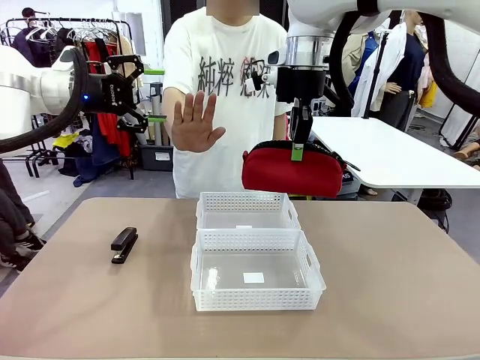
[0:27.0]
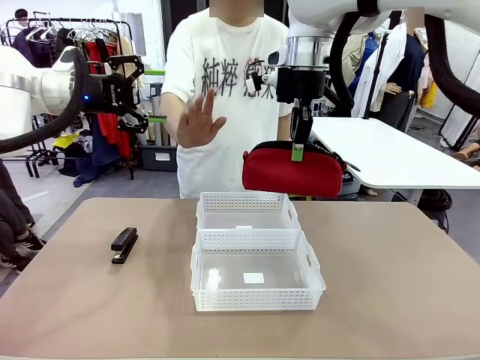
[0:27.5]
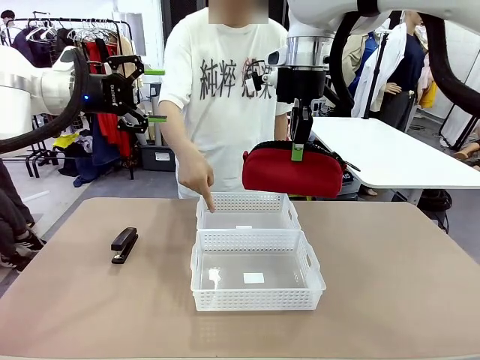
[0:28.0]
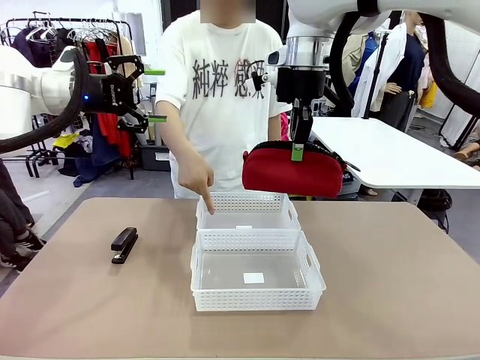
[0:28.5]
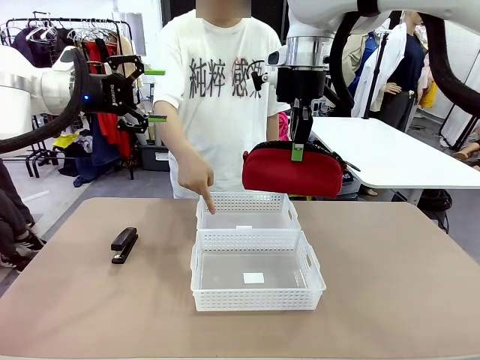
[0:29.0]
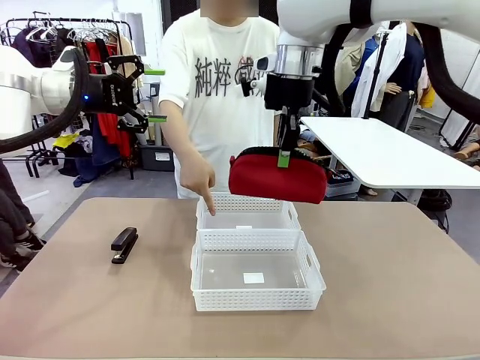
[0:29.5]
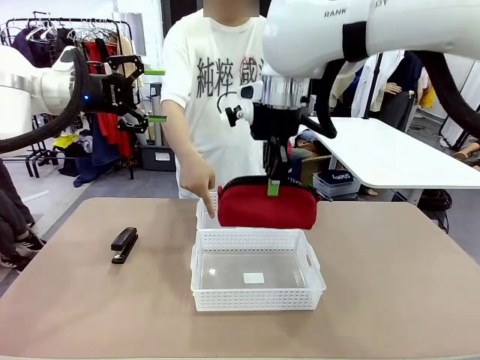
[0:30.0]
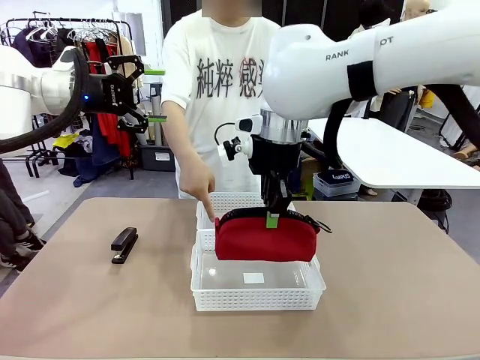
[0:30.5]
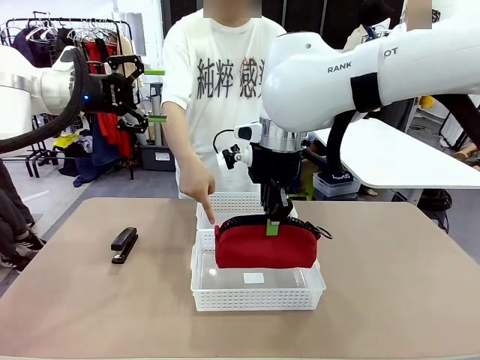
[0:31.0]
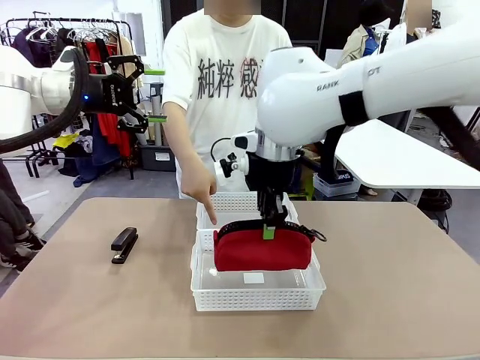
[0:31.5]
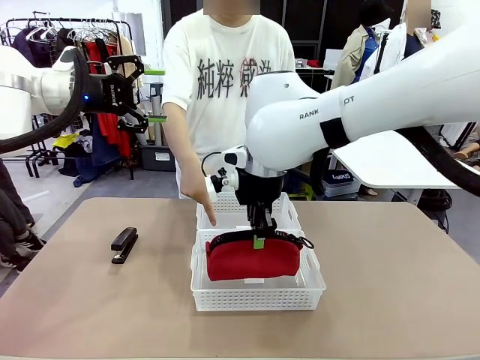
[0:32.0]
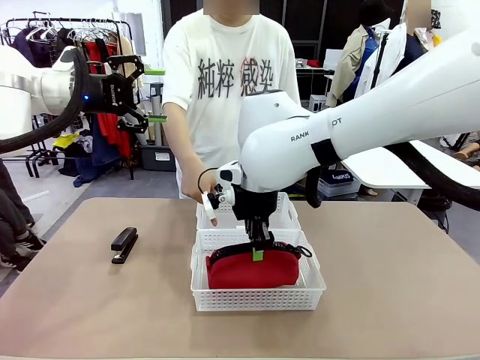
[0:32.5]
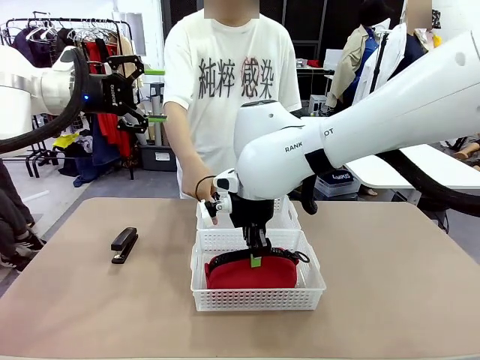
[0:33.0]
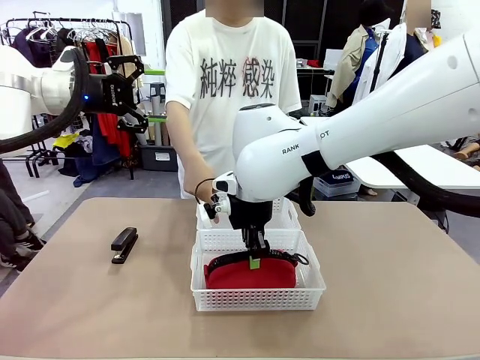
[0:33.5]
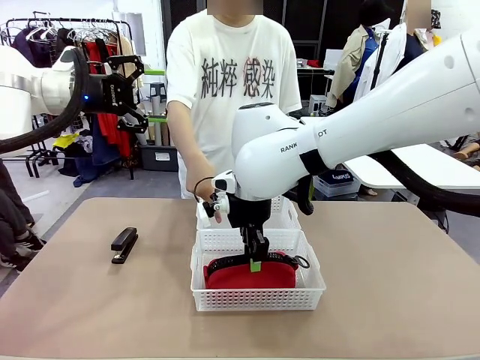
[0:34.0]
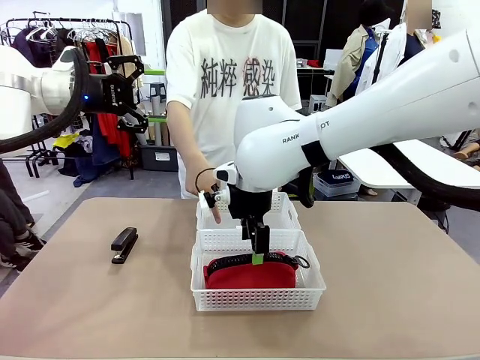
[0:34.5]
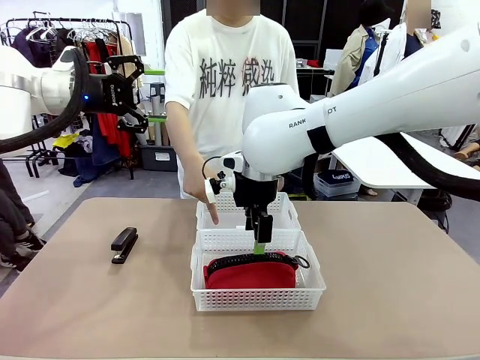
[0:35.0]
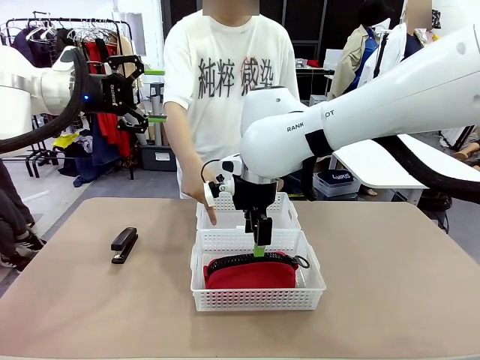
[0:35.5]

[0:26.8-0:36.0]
Task: Distribute items into two baskets.
Robot: Place the picked Pencil pouch into the Organizing basket as instructed by the person.
Person: Instructs the robot to place the pencil case into the opposite basket. Points to the stapler.

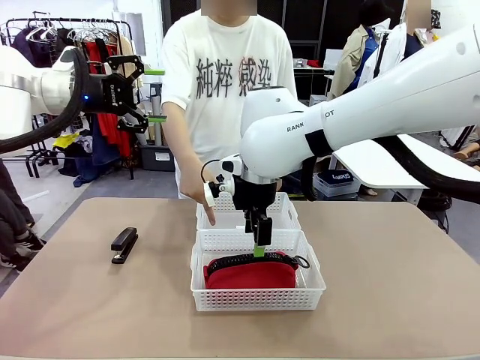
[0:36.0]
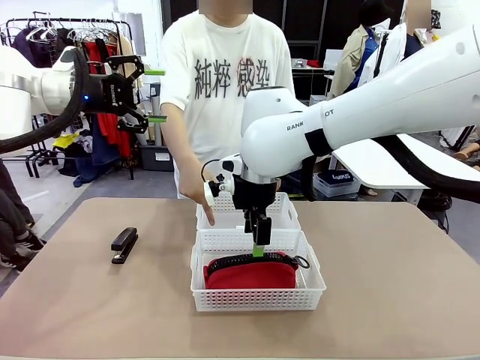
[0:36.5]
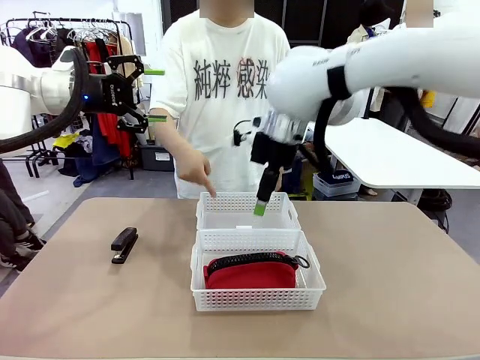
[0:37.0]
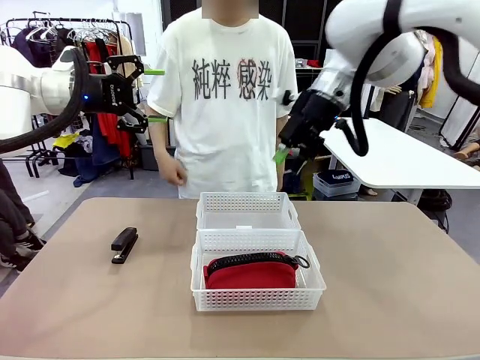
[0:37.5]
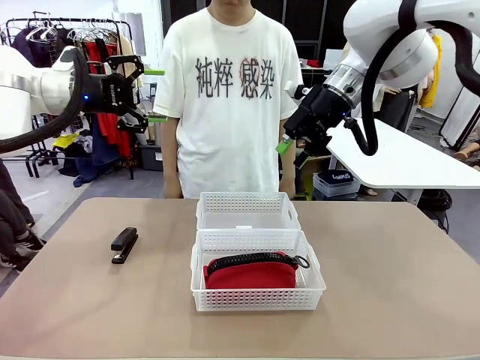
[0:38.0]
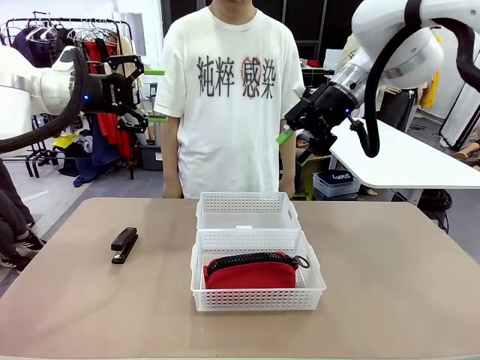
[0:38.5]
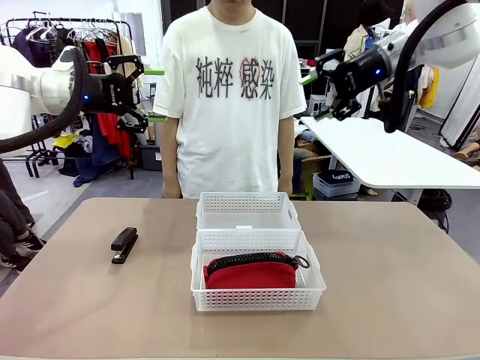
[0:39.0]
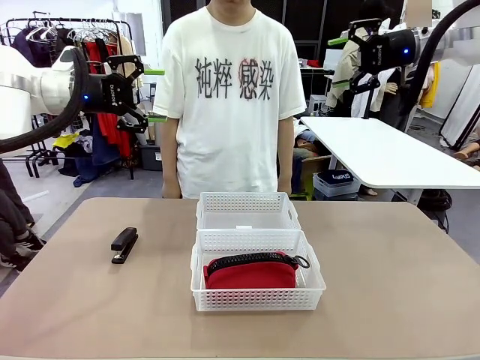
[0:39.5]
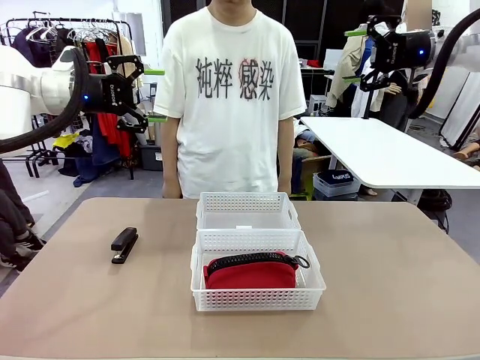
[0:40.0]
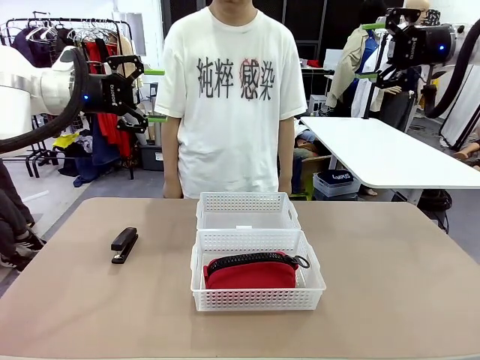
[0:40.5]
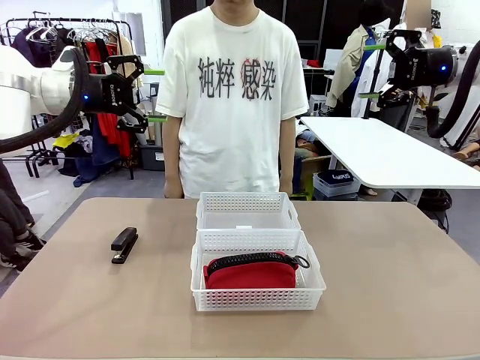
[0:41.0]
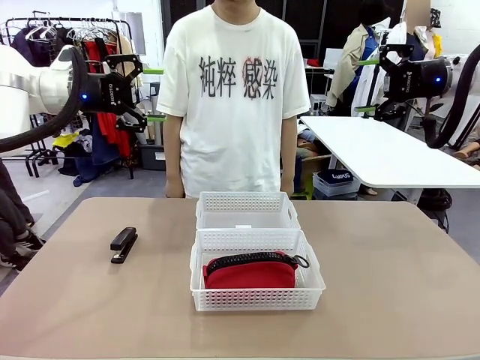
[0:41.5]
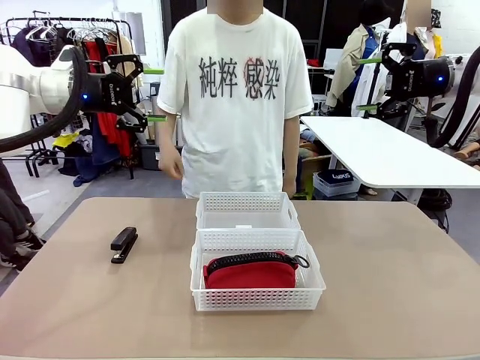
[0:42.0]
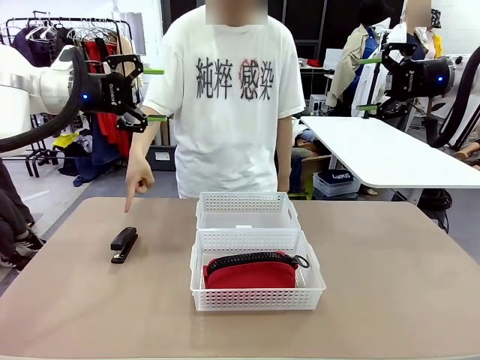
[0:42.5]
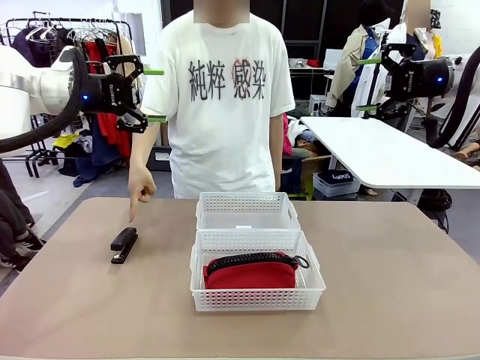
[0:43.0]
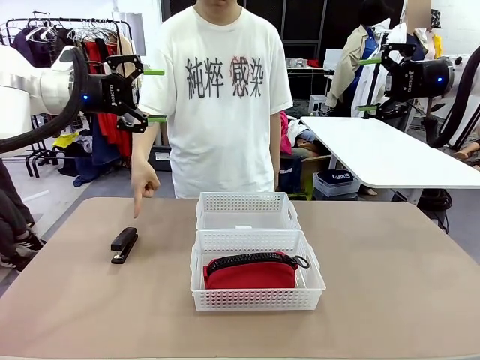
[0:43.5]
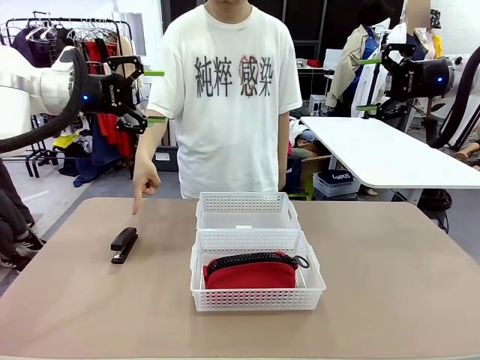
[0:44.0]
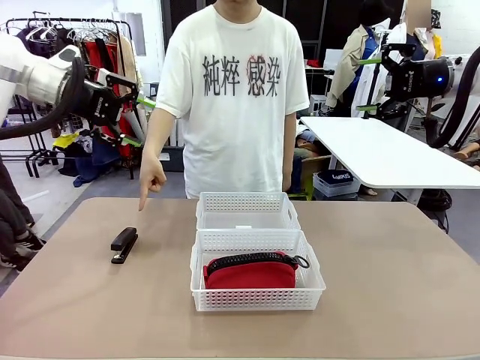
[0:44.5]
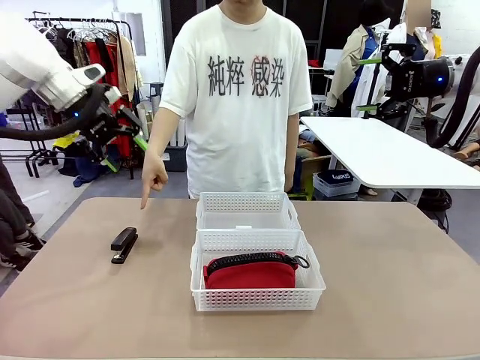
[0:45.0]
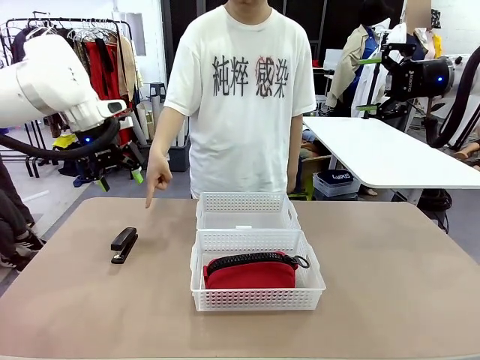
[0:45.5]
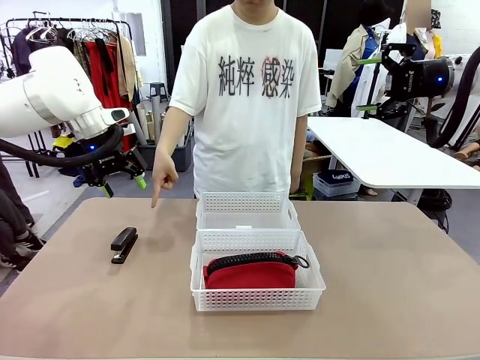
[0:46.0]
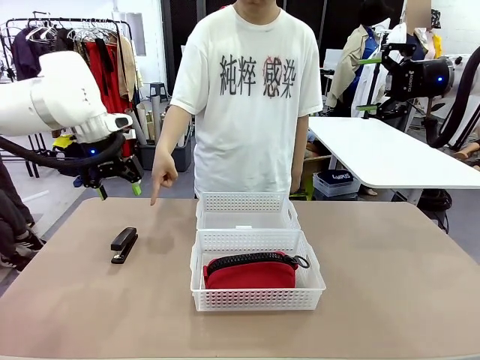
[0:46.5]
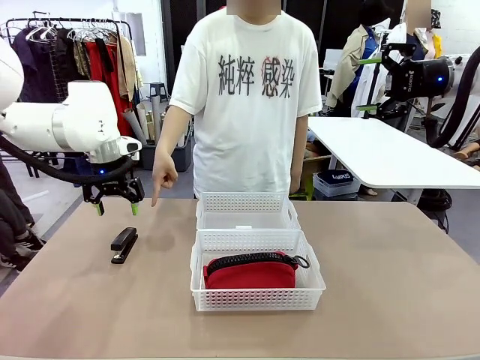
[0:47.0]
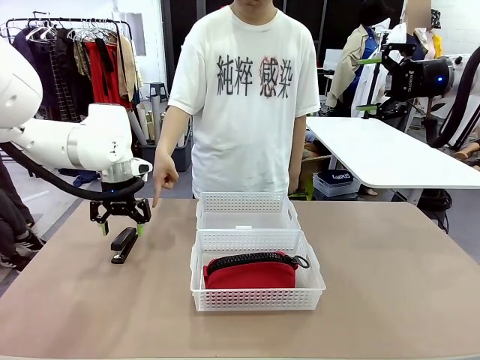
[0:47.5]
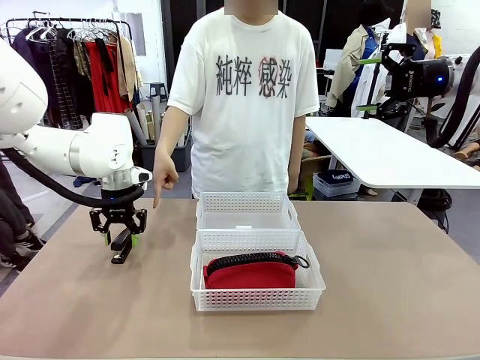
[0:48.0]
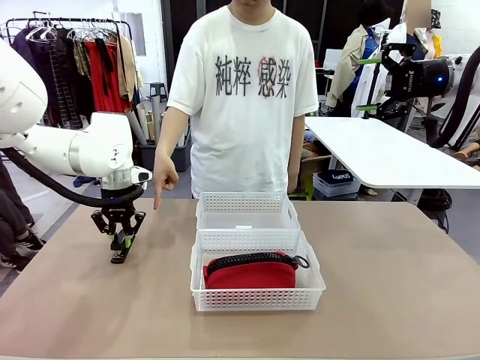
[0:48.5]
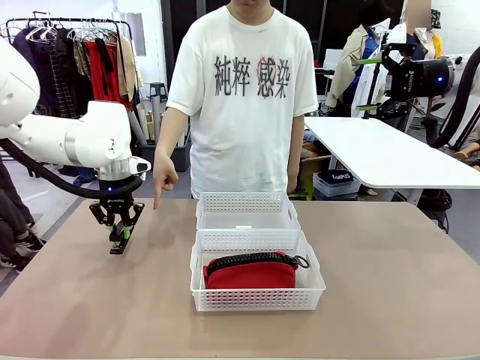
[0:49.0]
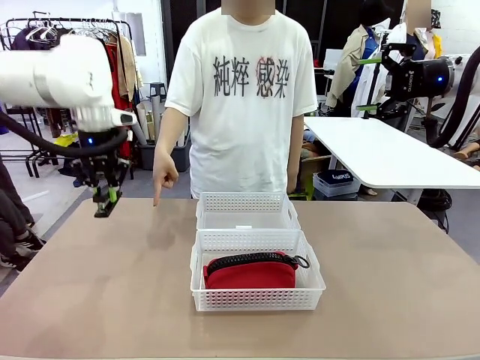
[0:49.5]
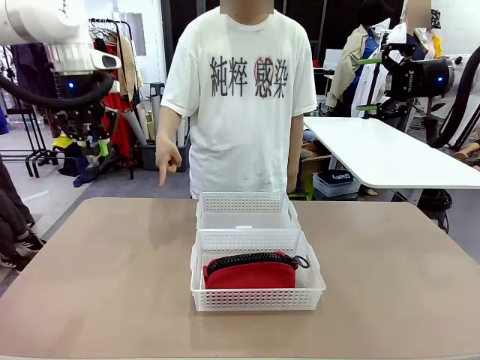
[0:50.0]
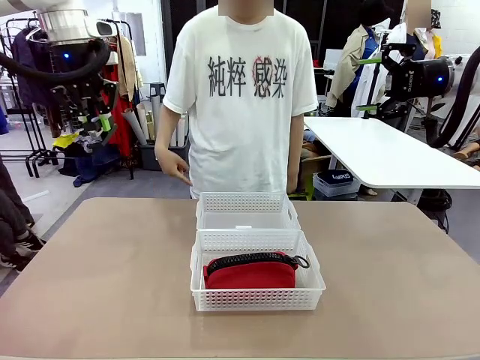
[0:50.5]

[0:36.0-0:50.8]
Robot: Pick up the Stapler that the person points to.
